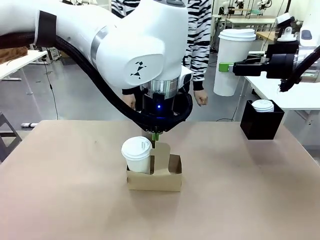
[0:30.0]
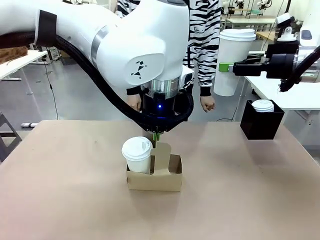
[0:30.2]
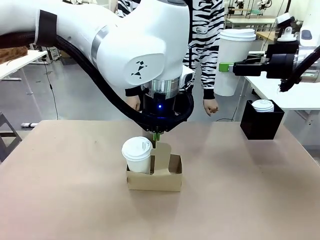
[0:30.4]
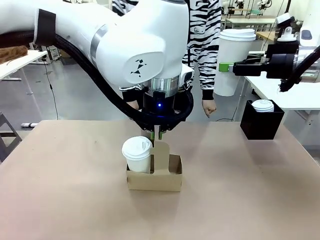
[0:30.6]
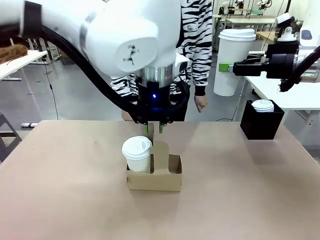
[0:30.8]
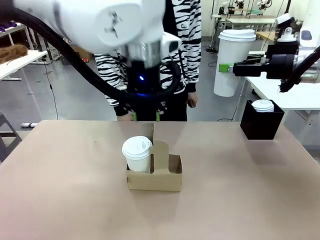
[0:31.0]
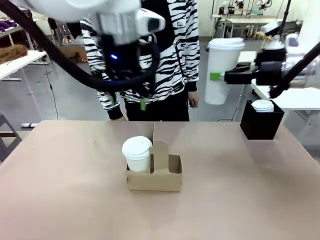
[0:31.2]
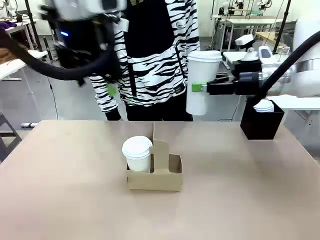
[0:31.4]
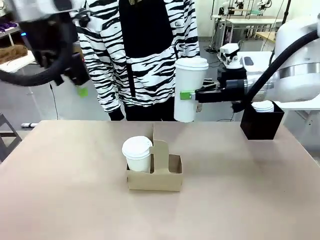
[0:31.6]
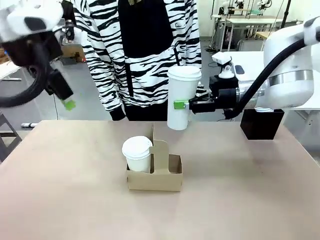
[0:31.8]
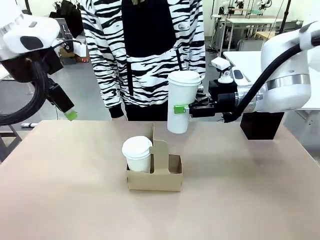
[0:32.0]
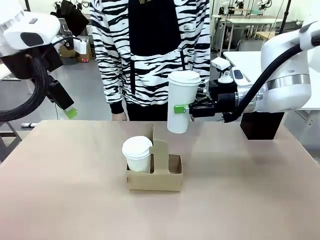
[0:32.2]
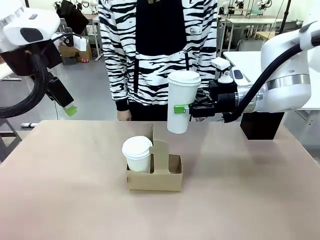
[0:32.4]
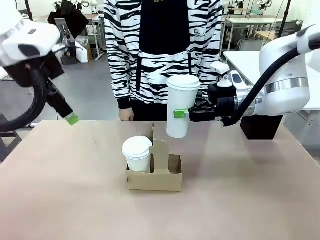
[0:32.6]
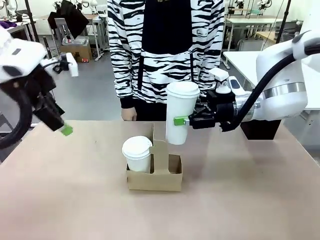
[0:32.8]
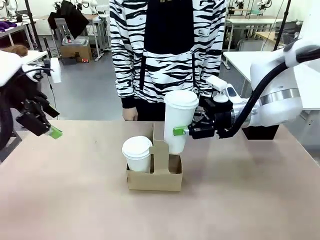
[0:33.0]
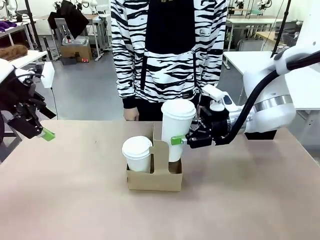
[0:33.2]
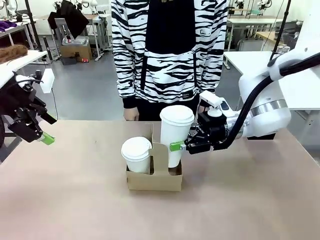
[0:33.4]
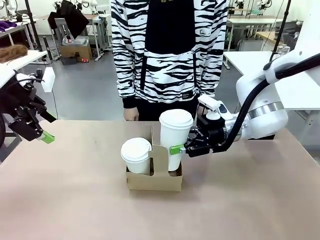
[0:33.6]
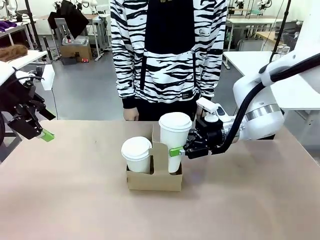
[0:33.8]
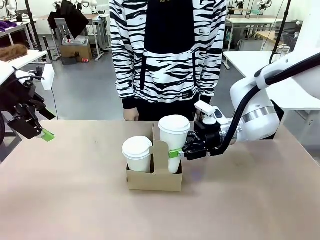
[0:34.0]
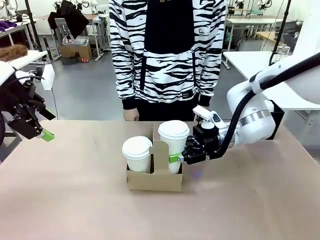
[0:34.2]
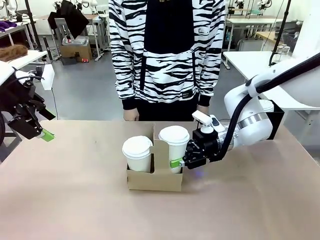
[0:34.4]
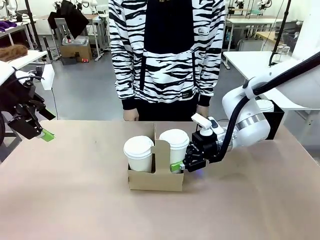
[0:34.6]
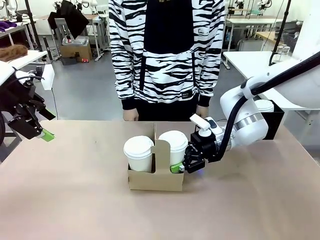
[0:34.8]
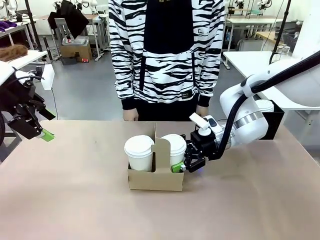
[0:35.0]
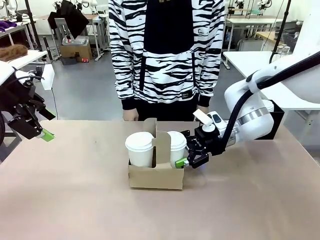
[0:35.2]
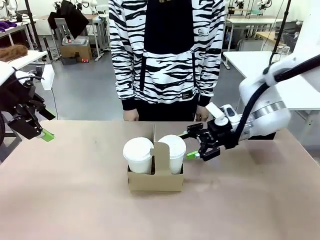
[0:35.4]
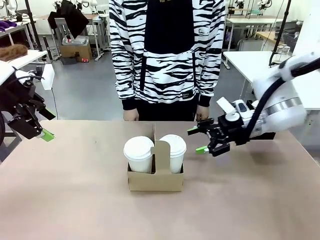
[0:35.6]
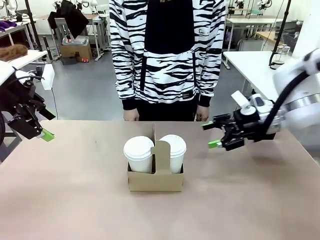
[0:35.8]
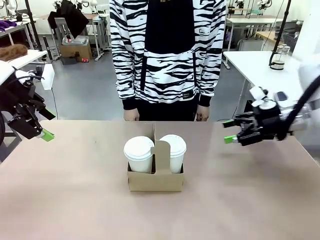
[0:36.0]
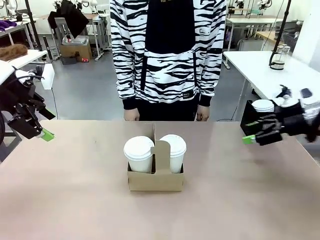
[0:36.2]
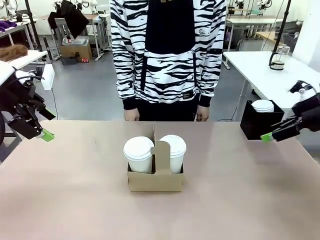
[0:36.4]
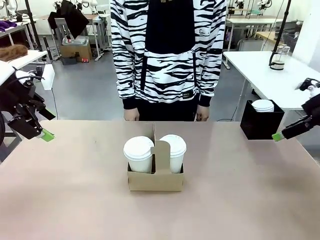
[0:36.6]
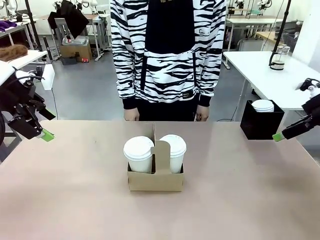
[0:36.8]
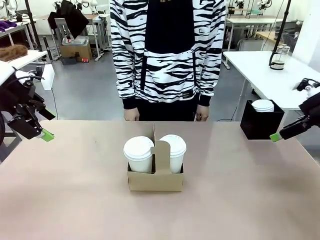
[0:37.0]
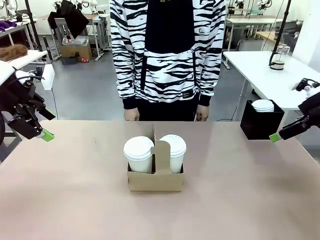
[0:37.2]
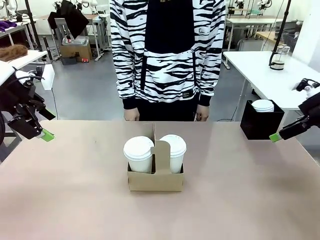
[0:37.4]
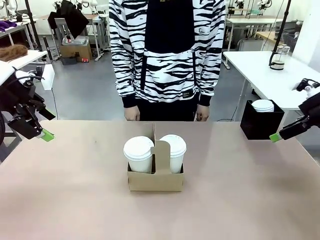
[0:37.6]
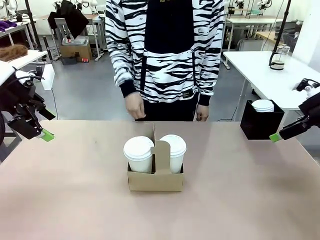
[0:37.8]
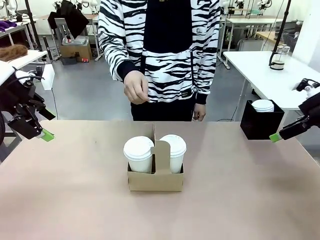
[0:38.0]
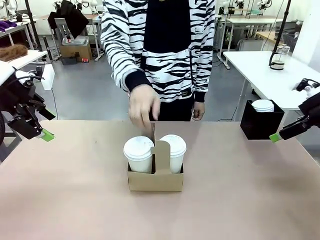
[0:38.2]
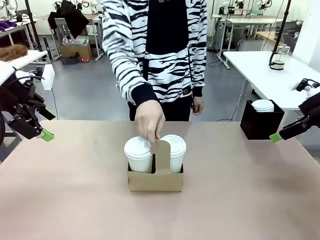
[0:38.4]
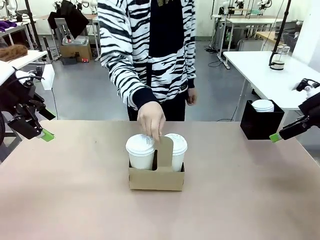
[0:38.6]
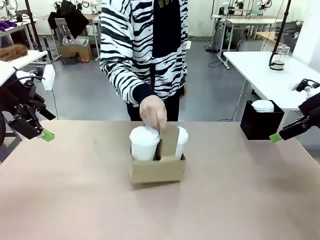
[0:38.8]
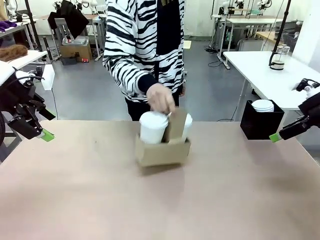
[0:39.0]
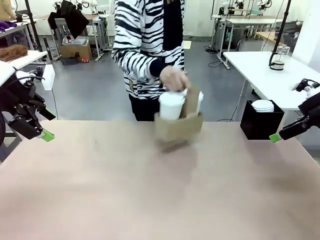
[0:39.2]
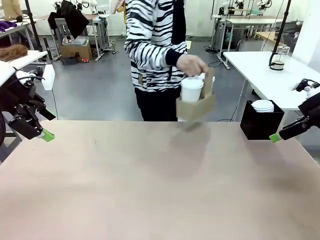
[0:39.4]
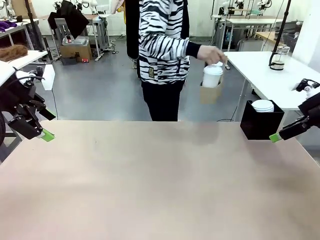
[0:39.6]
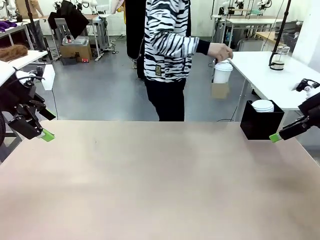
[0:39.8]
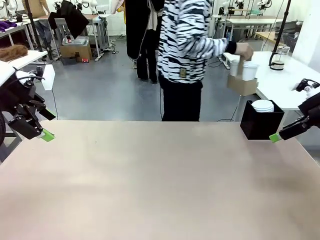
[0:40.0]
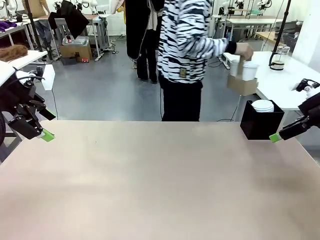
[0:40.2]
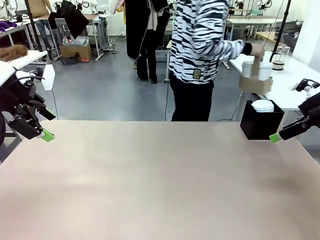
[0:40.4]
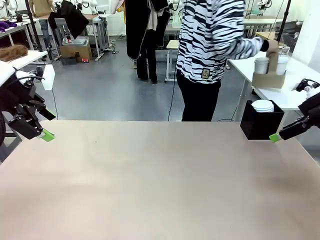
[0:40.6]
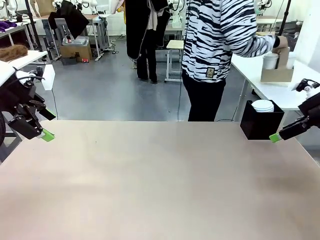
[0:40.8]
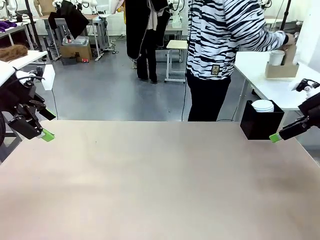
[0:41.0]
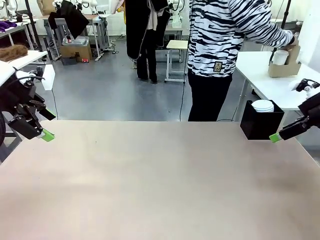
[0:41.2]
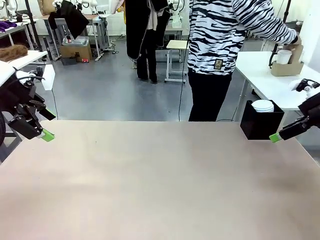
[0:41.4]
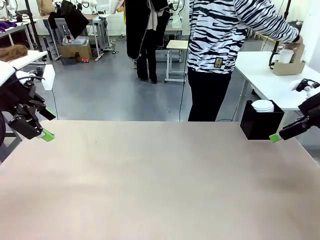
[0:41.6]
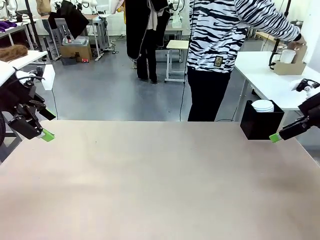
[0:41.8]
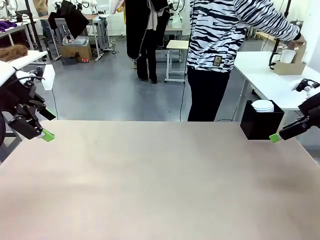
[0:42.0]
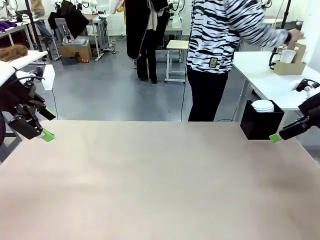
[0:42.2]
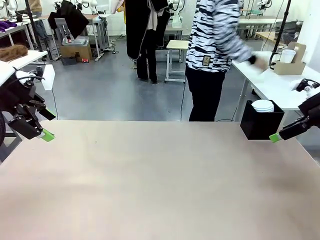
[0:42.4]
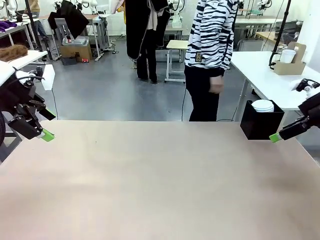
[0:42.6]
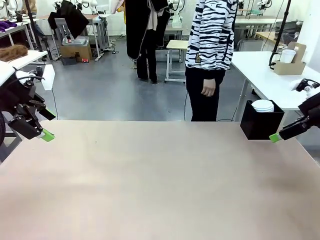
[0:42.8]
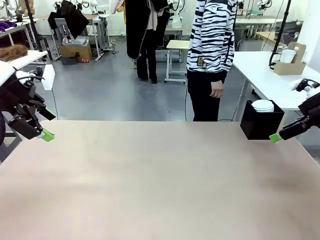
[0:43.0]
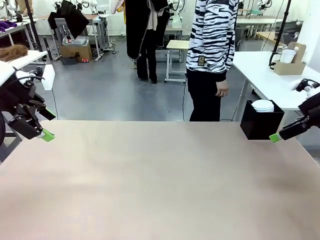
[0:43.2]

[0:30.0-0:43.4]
Task: Pour a drink into a cup and package it in a carrier.
Robot: Insert the held 600 ml Paper Cup into the Cup Carrier.
Person: Place the Cup Carrier to the middle of Human table.
